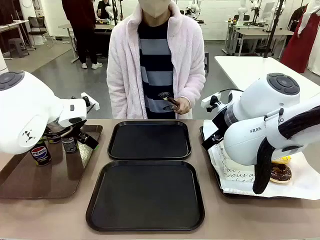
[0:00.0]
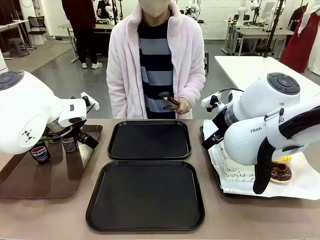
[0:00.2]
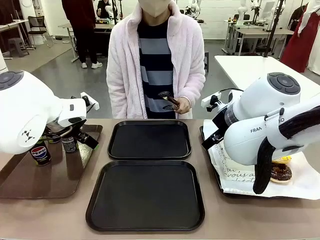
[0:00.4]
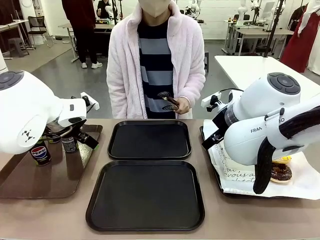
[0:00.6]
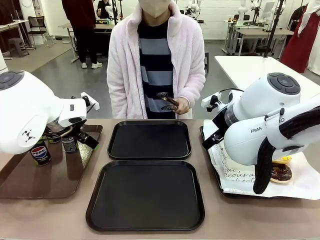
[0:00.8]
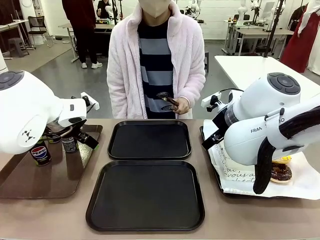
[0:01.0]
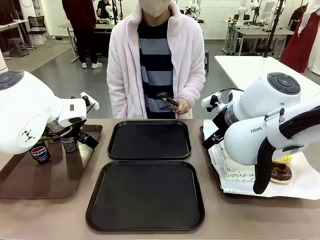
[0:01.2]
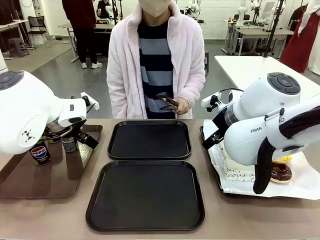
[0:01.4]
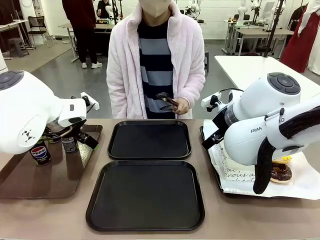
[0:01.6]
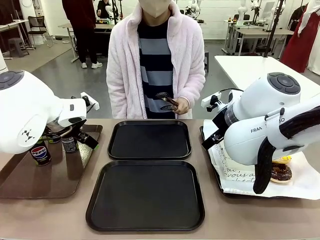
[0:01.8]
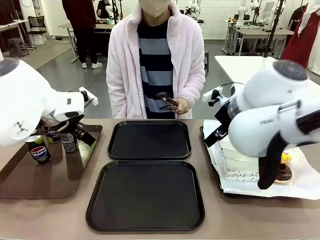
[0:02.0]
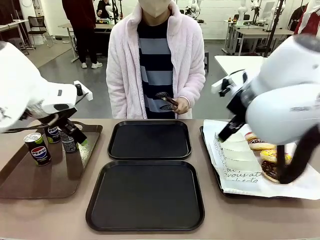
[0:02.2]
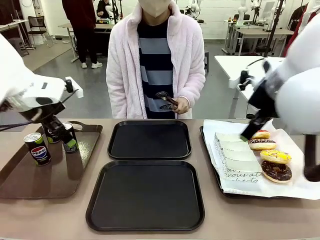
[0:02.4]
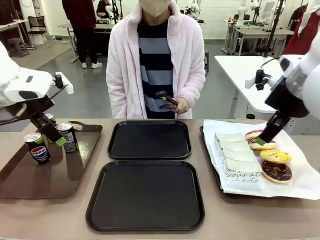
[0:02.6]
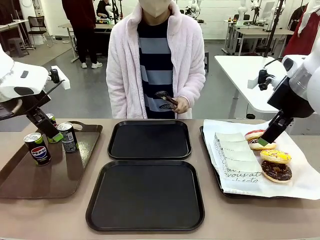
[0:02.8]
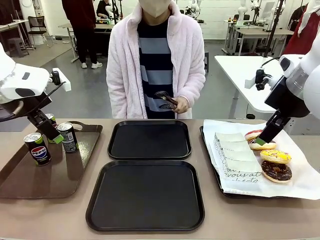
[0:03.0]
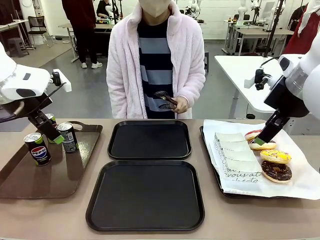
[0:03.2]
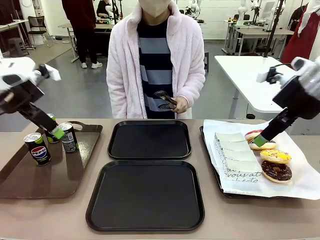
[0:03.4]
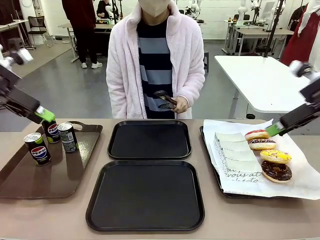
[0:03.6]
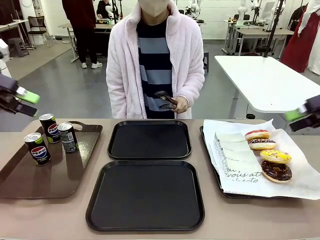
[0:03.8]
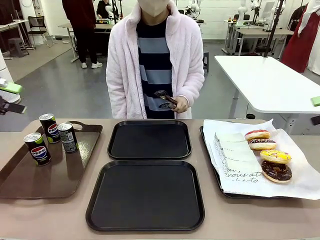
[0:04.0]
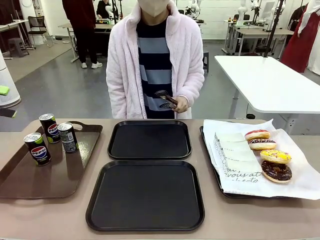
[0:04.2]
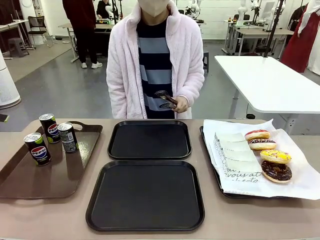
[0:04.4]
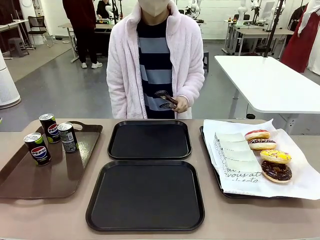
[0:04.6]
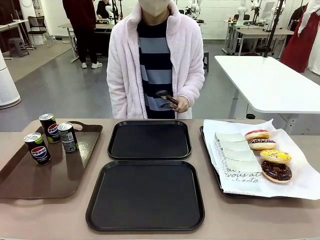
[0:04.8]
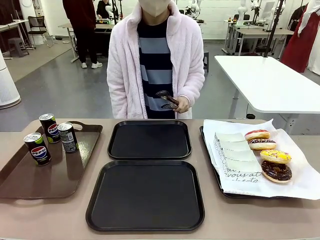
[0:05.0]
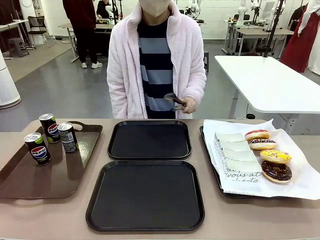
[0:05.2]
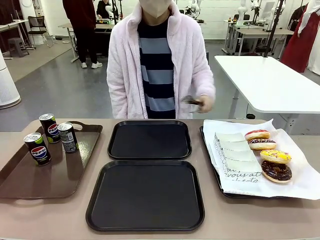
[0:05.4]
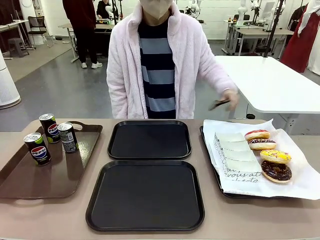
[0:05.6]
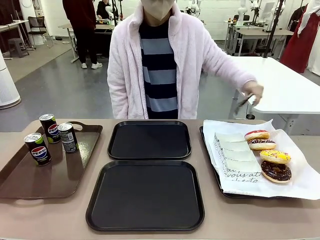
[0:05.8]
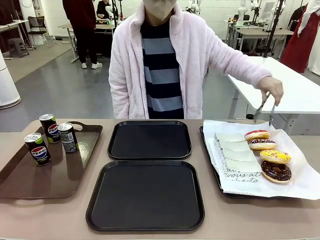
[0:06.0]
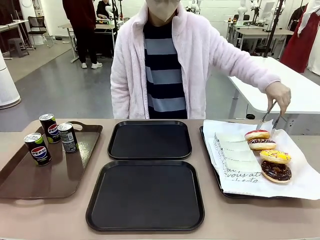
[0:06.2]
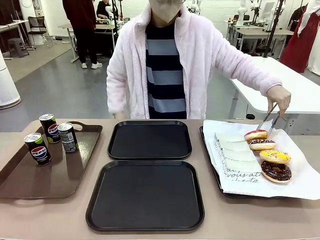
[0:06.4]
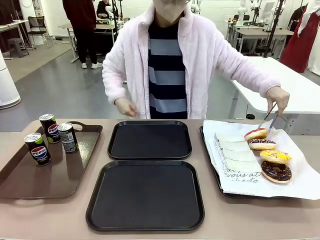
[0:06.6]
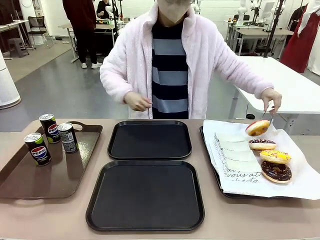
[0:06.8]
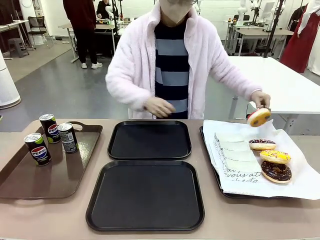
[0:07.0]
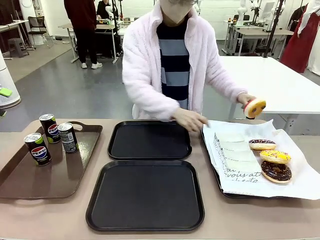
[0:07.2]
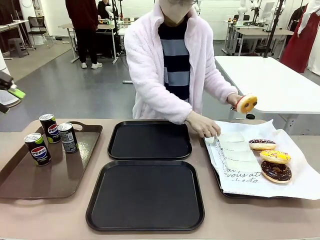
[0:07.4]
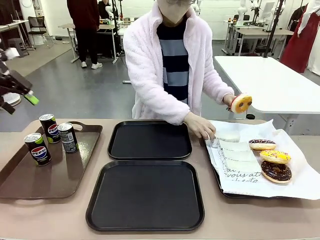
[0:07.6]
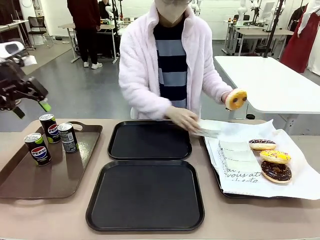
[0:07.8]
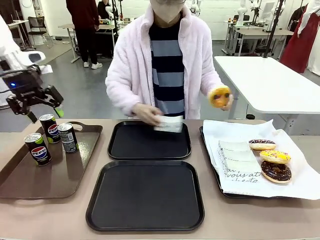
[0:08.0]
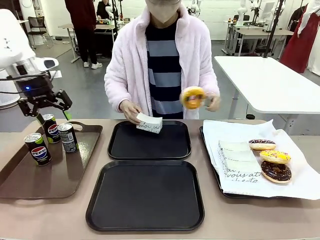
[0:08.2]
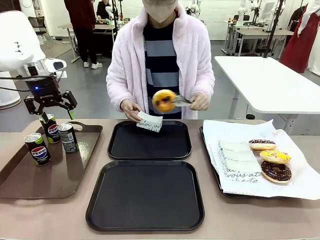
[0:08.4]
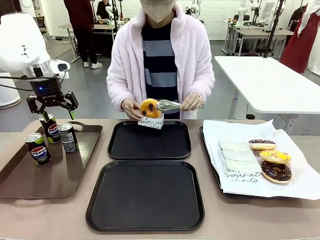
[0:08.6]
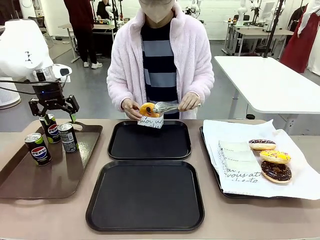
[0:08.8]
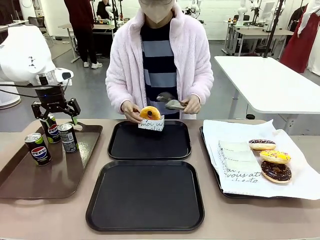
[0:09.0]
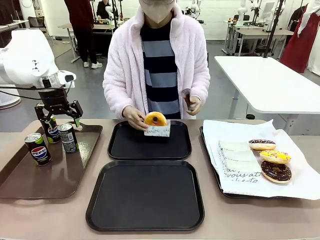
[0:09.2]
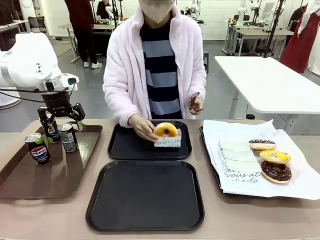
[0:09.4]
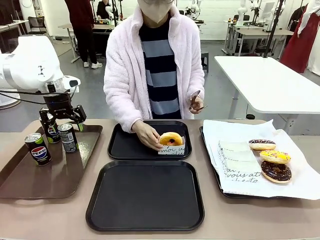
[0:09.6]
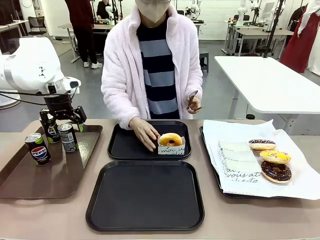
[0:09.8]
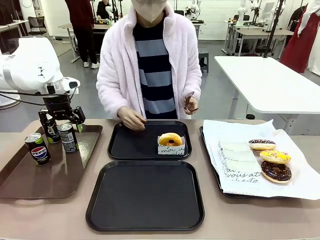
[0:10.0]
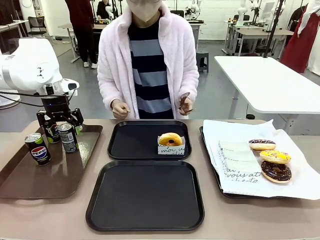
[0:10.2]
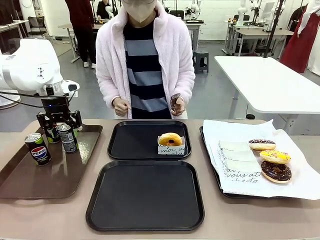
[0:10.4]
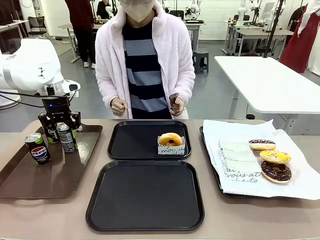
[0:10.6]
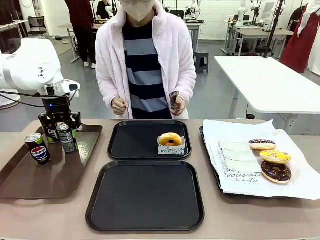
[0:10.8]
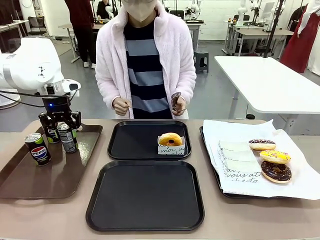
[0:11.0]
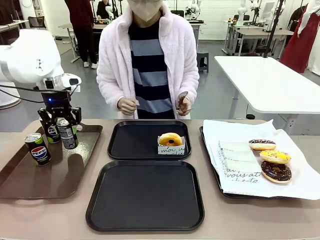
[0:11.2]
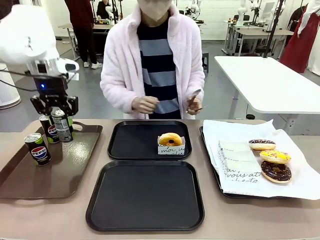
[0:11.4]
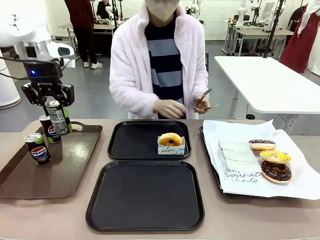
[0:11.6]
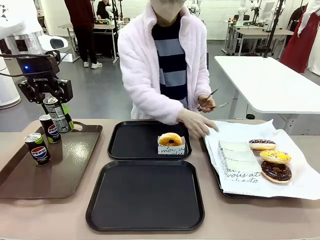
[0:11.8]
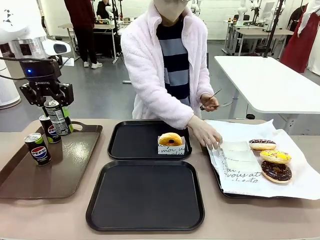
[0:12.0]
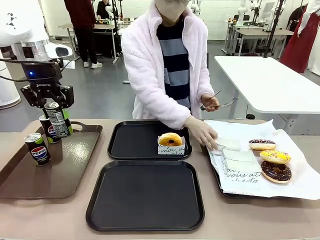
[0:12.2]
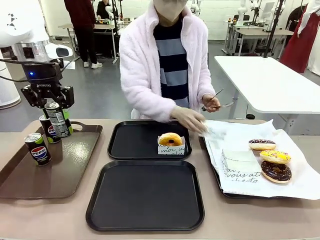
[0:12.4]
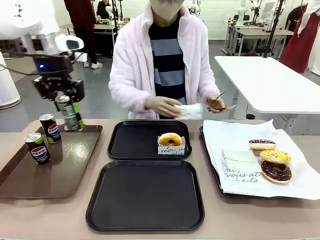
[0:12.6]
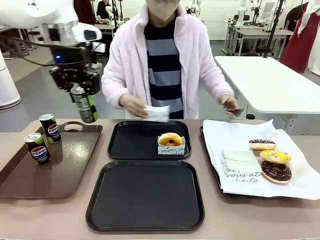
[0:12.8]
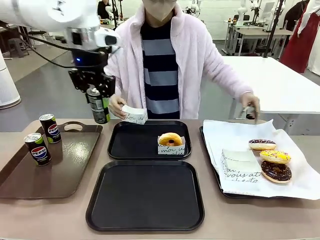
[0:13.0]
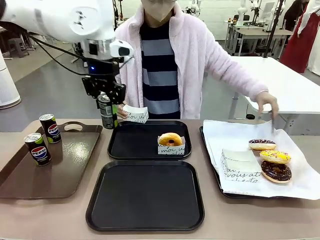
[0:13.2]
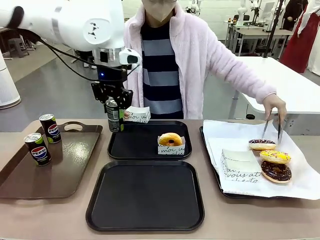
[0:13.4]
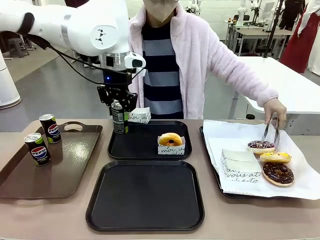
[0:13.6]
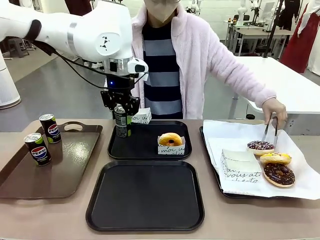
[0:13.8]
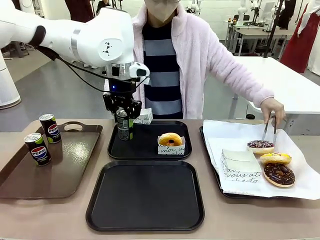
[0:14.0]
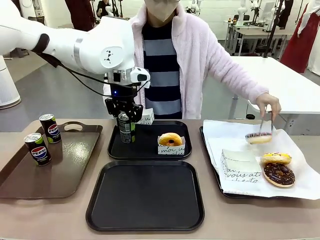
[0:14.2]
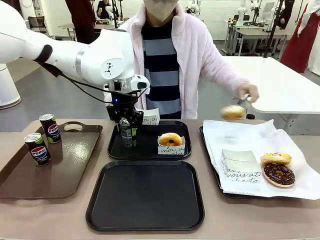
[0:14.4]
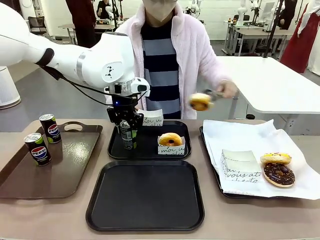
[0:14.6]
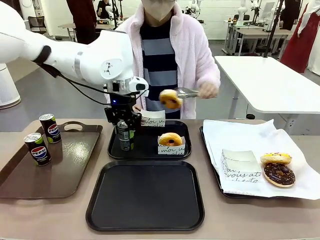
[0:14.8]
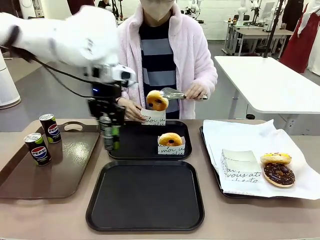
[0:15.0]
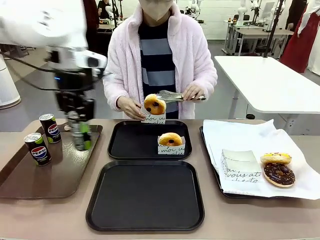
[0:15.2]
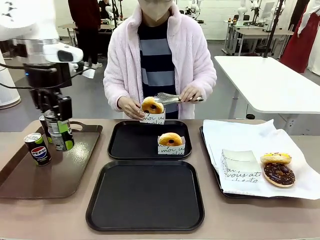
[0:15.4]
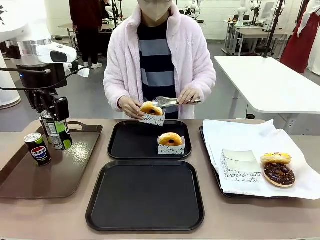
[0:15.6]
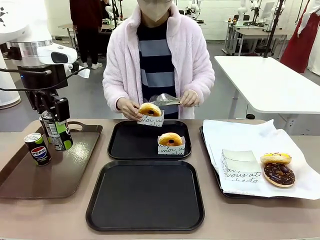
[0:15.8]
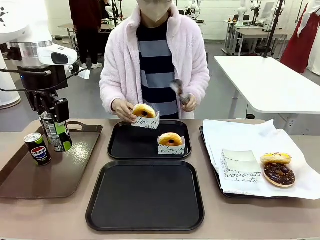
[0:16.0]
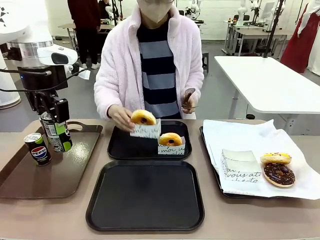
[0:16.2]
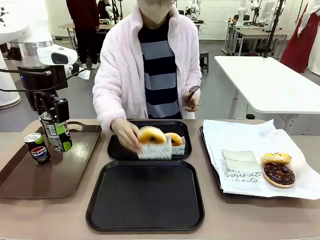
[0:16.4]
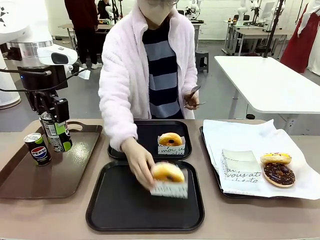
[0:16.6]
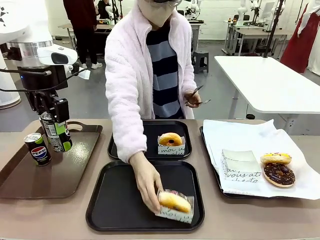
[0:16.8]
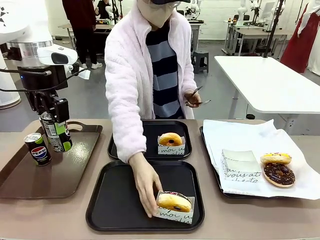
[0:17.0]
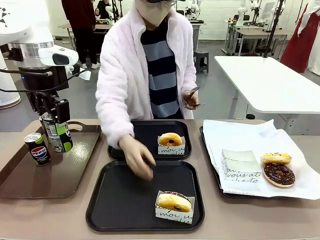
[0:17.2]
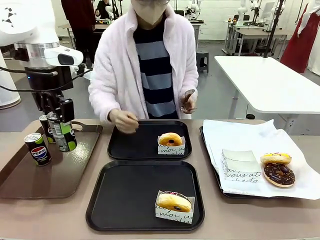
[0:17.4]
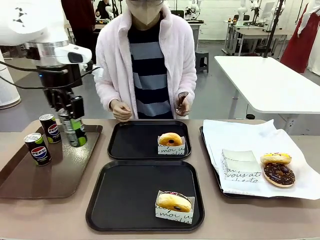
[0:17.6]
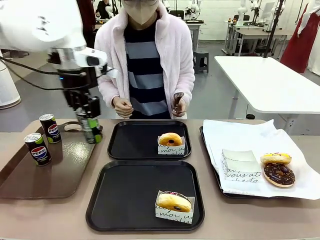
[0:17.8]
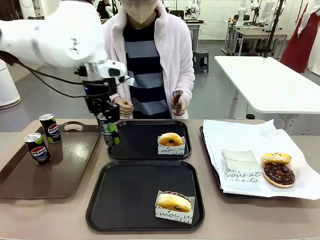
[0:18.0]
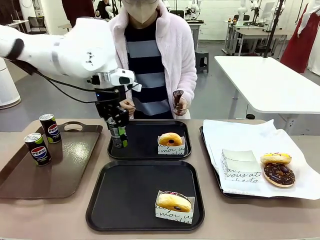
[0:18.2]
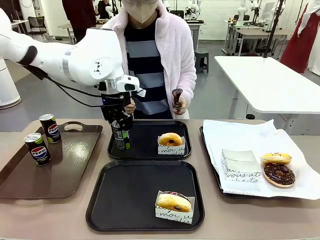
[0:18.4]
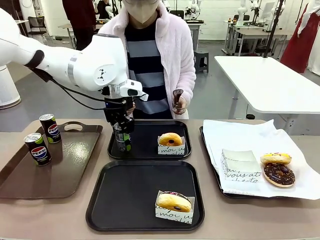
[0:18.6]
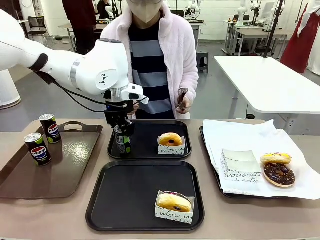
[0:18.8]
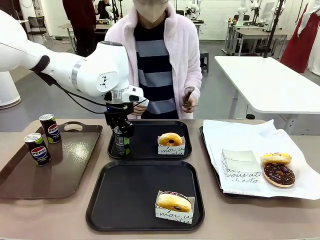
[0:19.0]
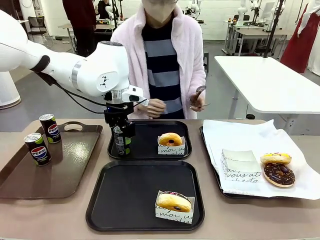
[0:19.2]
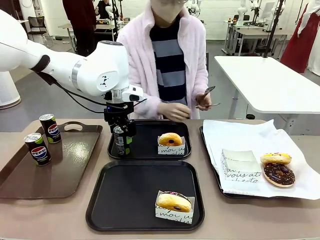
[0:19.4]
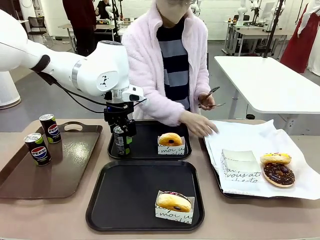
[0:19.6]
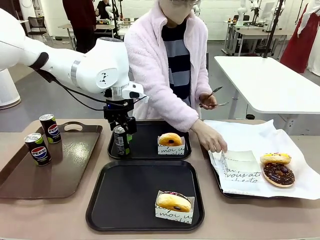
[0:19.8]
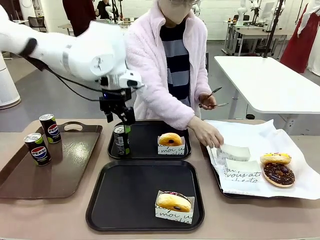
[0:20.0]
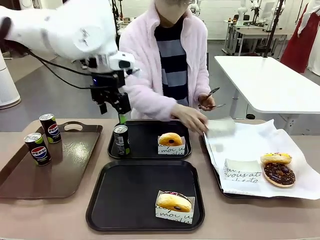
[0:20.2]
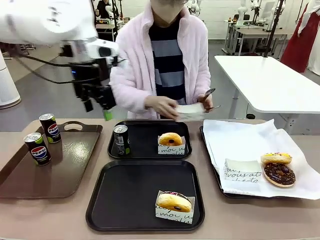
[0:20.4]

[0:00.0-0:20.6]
Task: Set up donuts and drinks on trays.
Robot: Pick up one Pepsi coke and place it on the Flat Tray.
Person: Pick up one donut with tongs, place it in the donut tray, and then place the donut tray on the flat tray.
